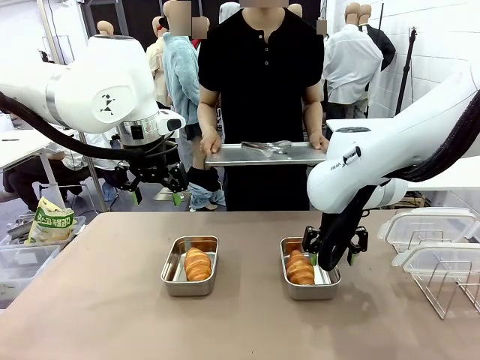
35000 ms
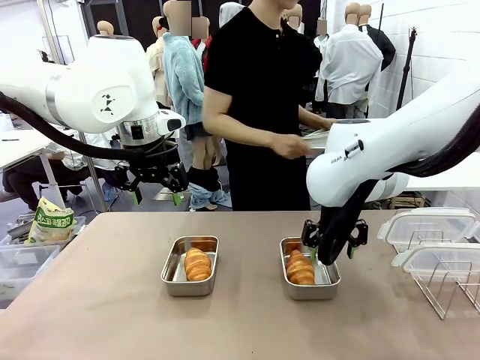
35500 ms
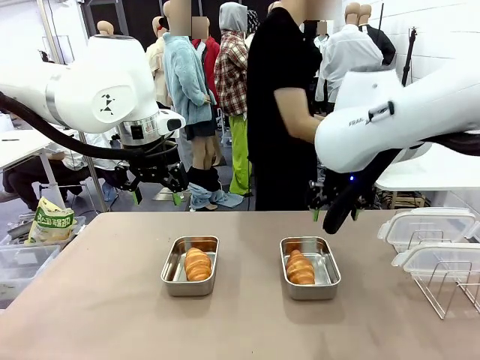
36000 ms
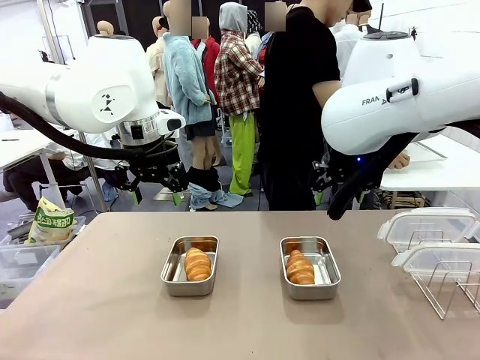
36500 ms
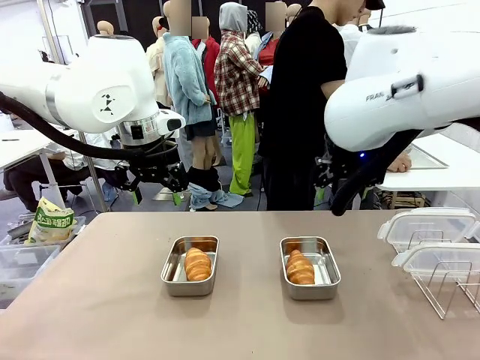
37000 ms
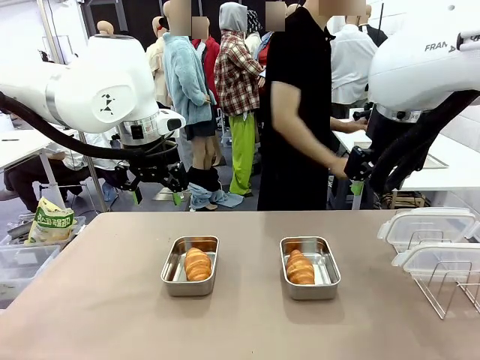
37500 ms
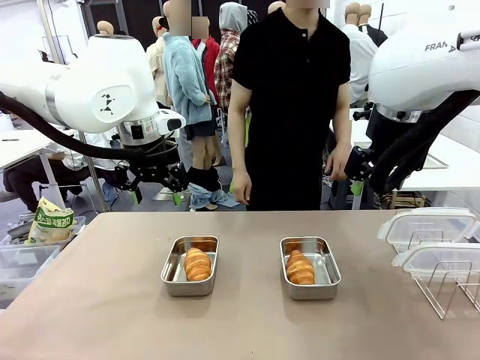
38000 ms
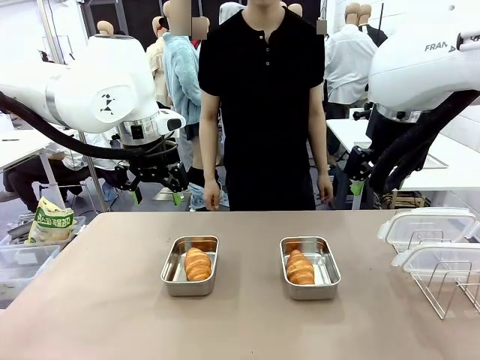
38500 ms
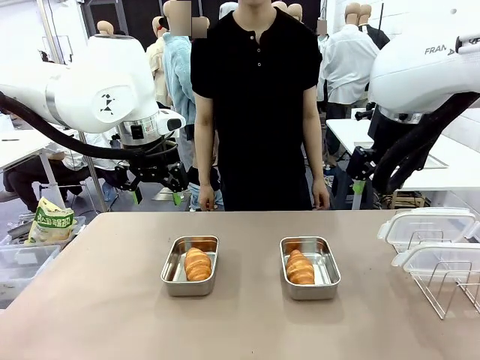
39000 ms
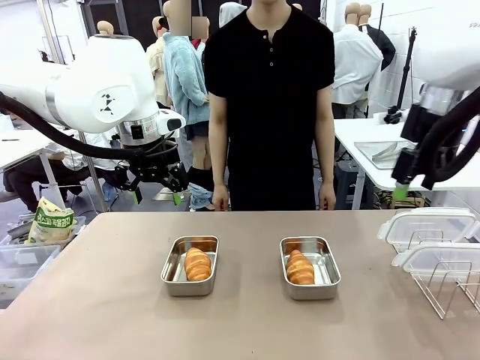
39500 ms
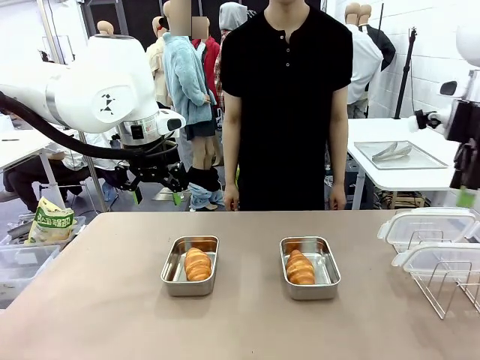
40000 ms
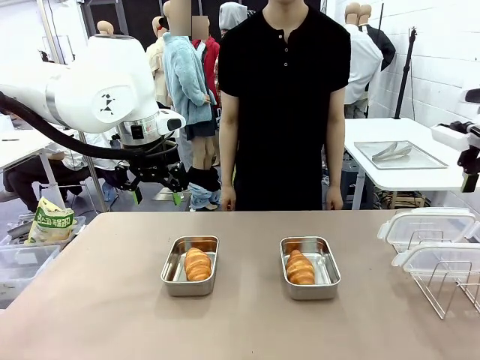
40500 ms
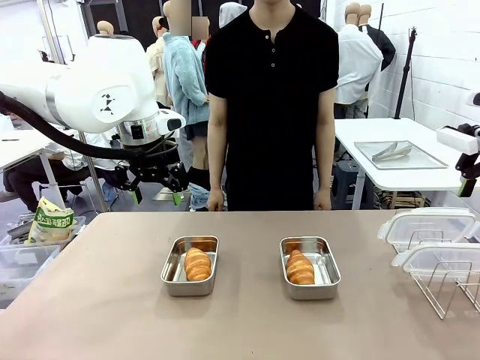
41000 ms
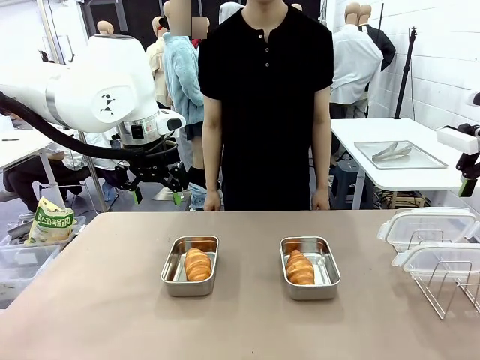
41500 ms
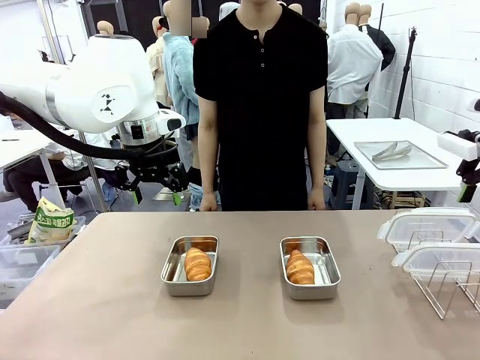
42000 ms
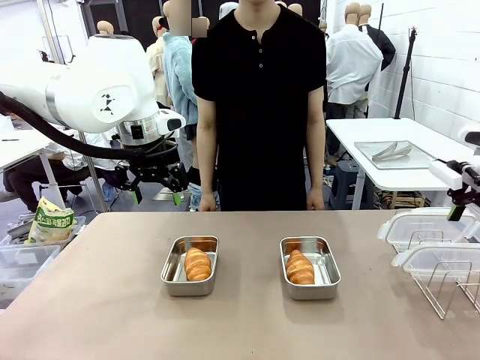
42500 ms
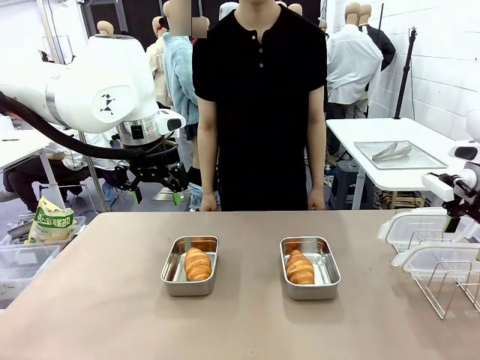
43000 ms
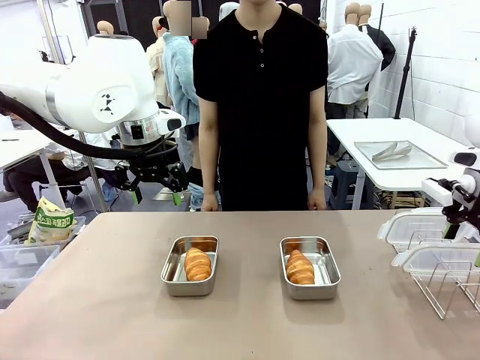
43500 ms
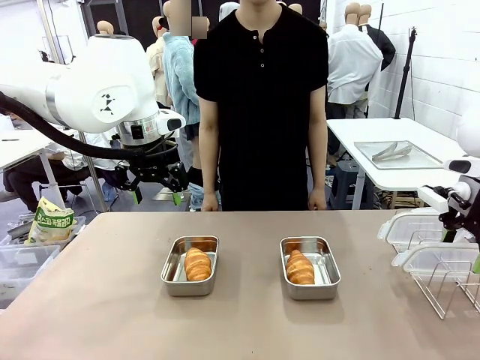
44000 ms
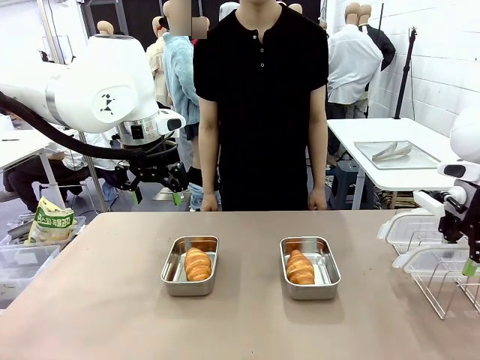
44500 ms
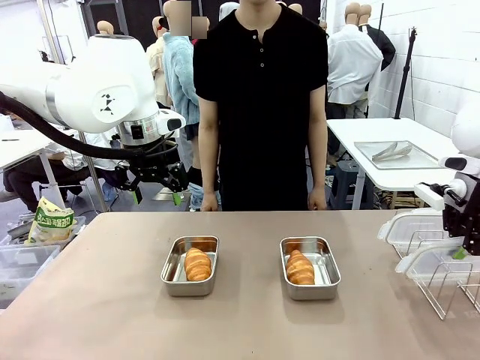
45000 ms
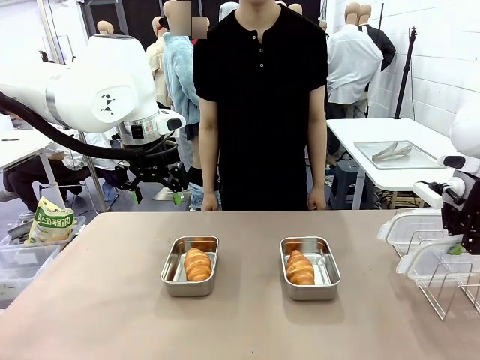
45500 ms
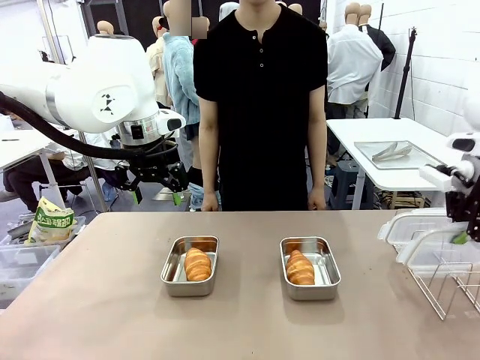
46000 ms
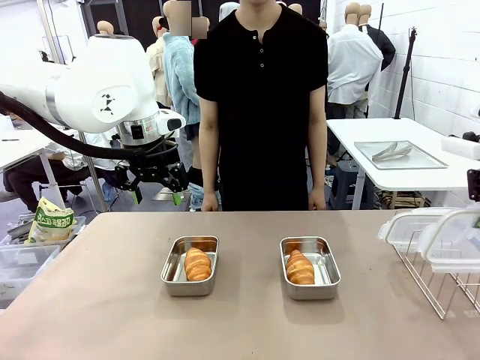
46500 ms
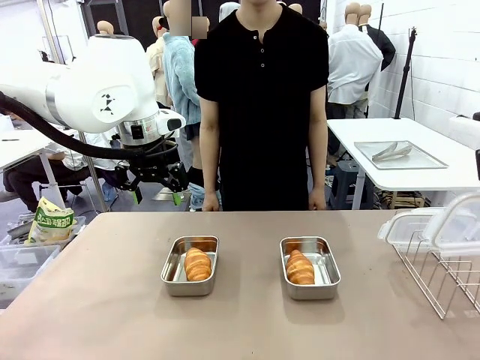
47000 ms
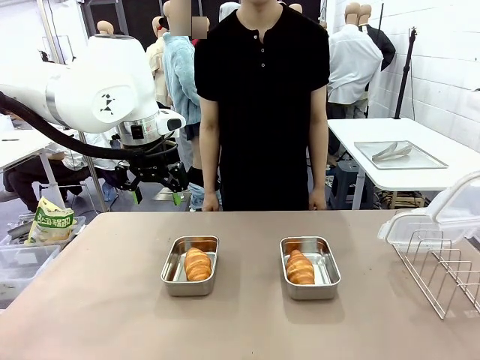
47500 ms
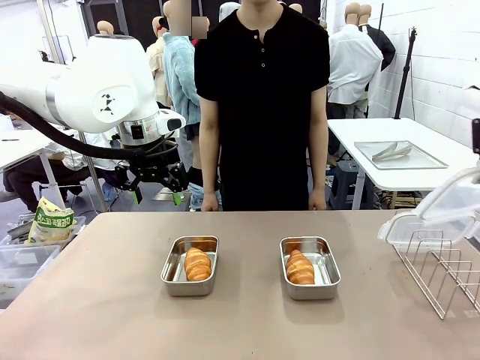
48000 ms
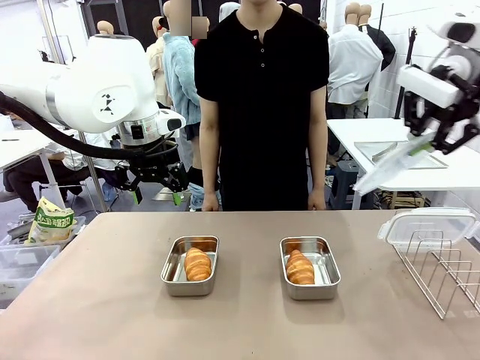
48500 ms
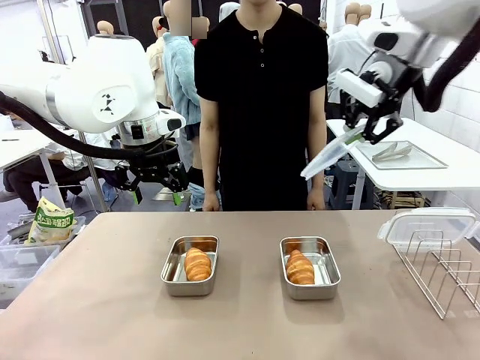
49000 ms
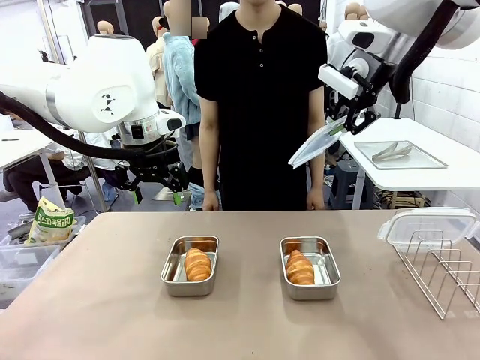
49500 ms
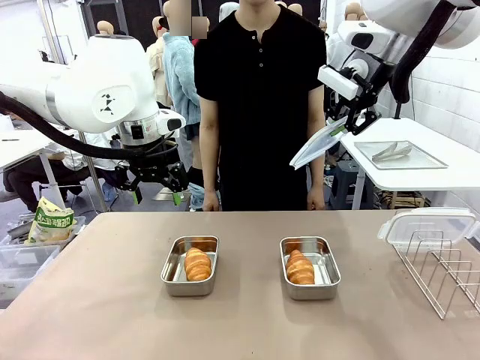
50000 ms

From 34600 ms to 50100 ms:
Task: Place the bread in airtight containers.
Robot: Pick up one Airtight Container lid and hand it to the human.
Person: Grip Airtight Container lid that robot is handing.

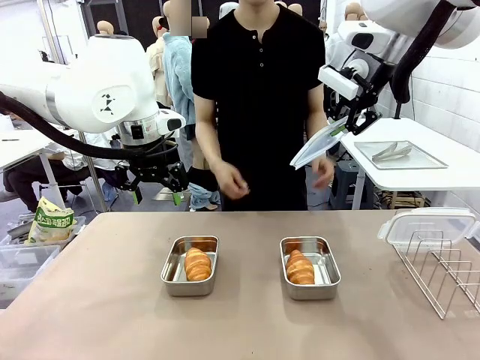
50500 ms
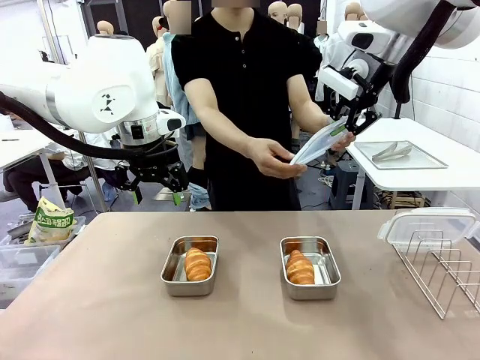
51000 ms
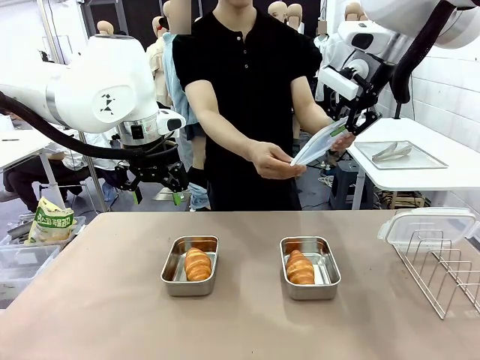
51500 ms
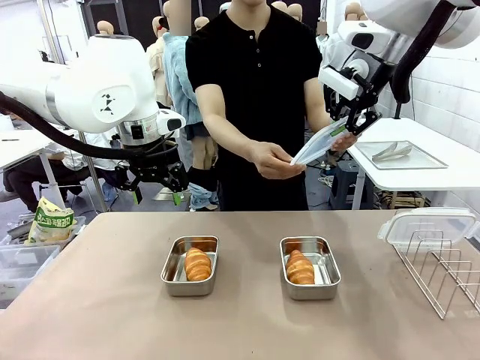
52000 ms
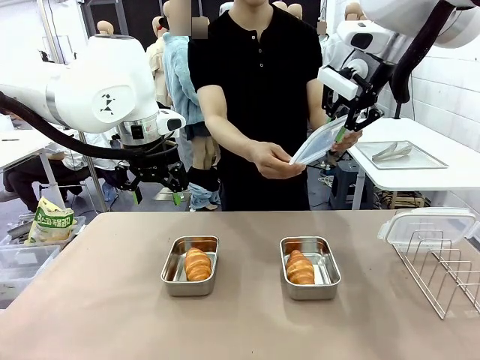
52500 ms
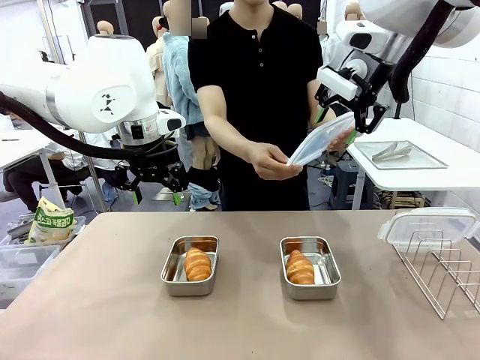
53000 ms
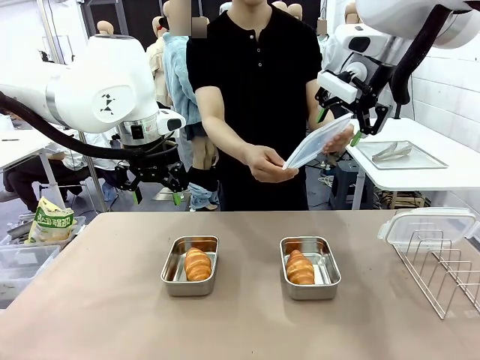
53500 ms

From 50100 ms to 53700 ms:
Robot: Release when the human grabs the Airtight Container lid.

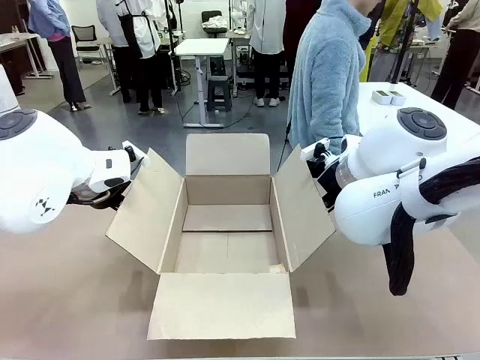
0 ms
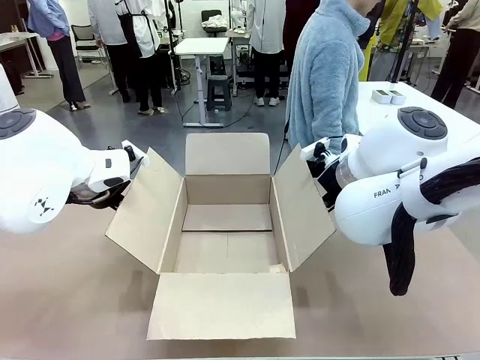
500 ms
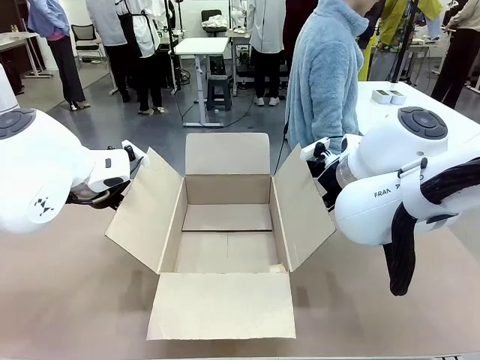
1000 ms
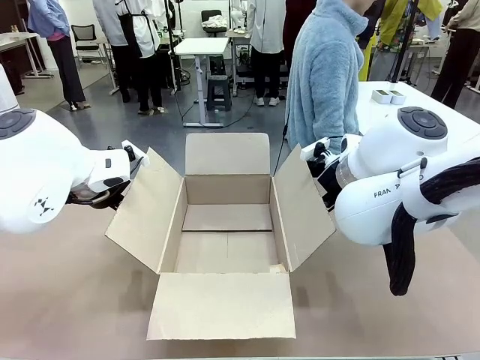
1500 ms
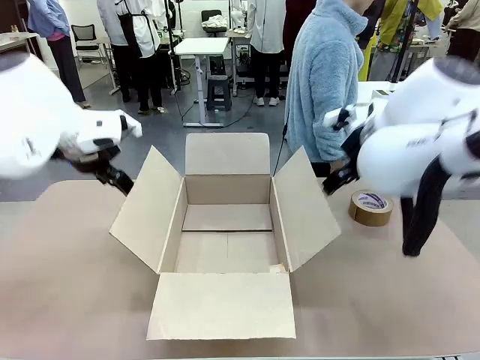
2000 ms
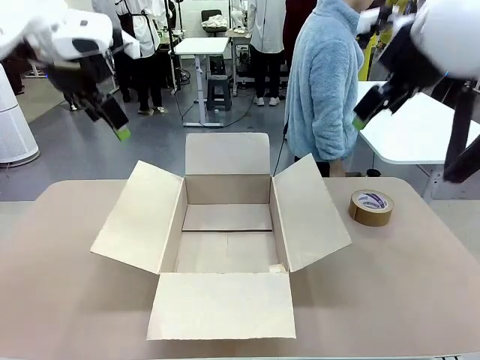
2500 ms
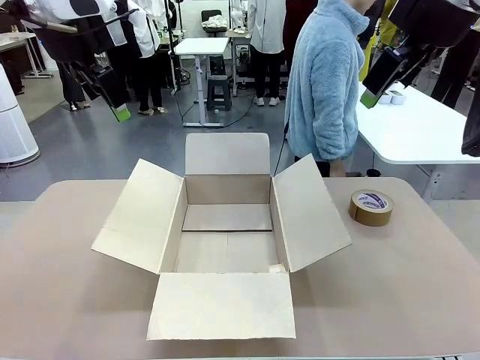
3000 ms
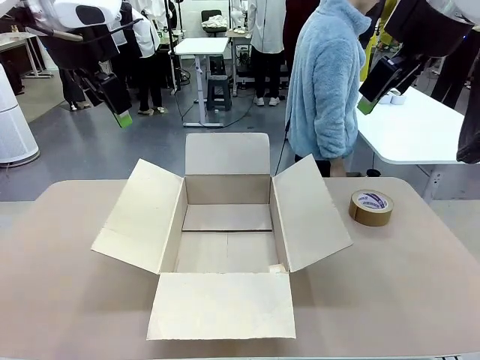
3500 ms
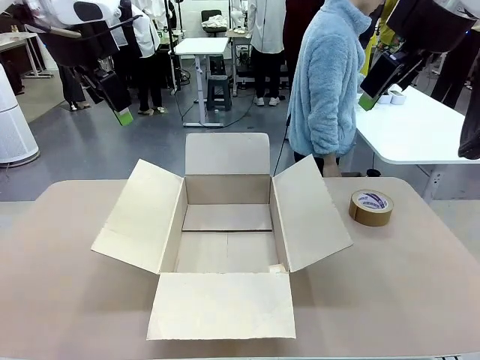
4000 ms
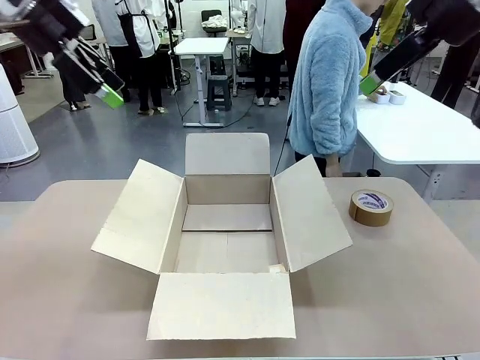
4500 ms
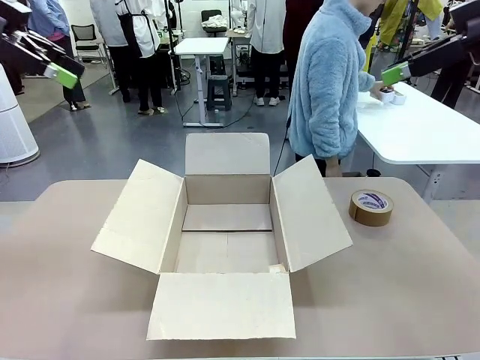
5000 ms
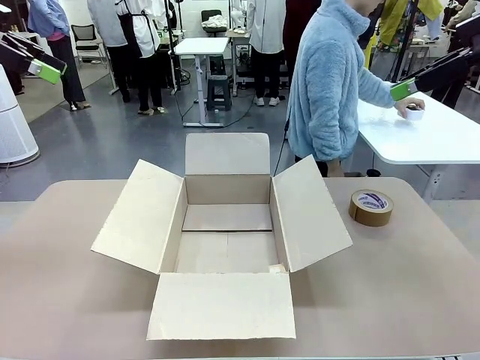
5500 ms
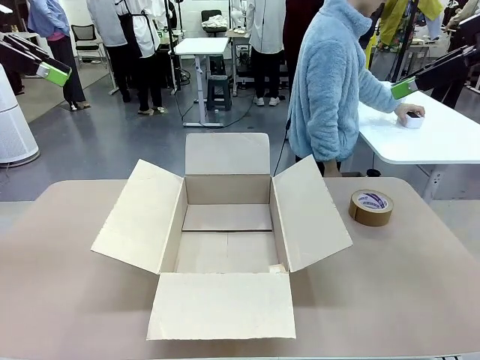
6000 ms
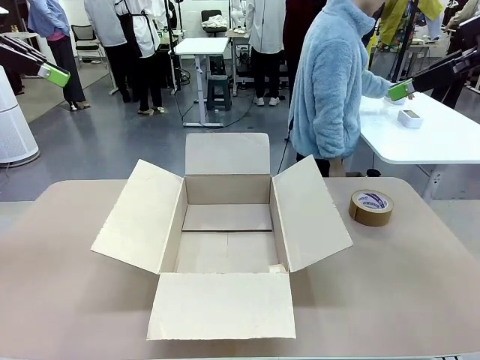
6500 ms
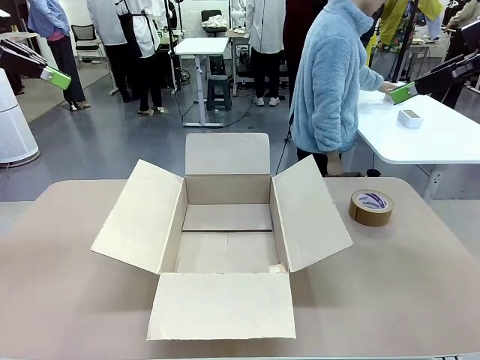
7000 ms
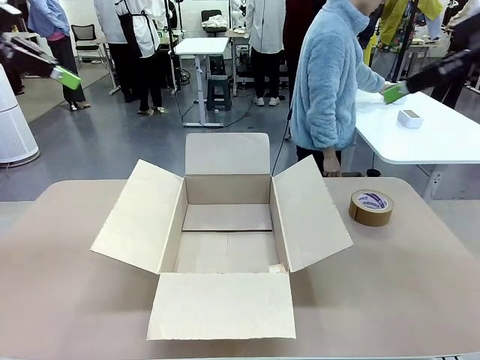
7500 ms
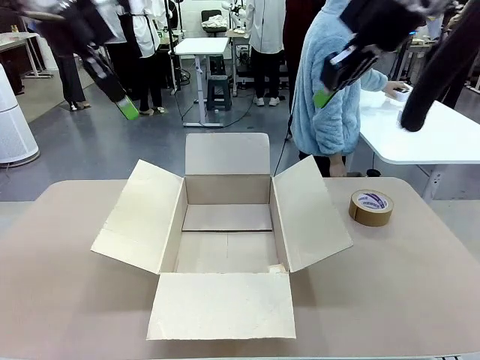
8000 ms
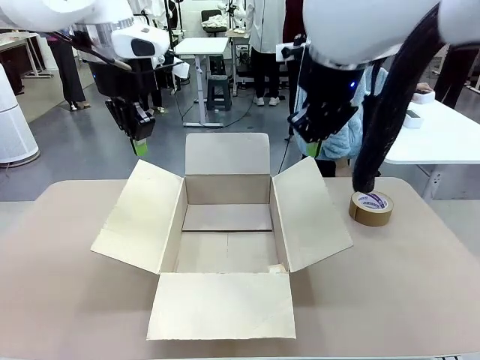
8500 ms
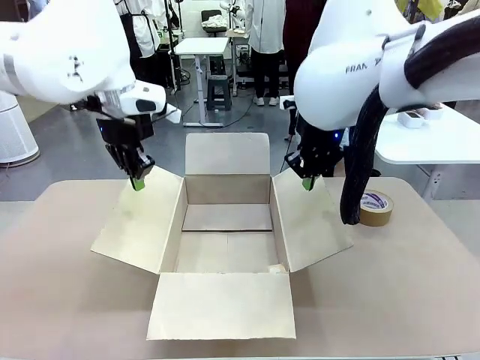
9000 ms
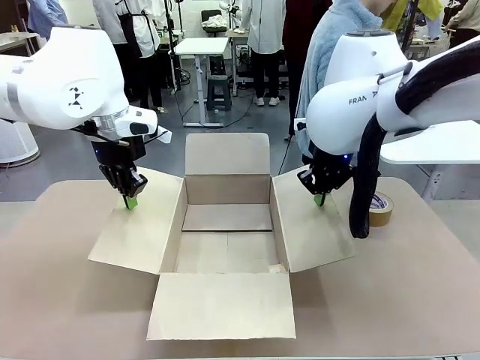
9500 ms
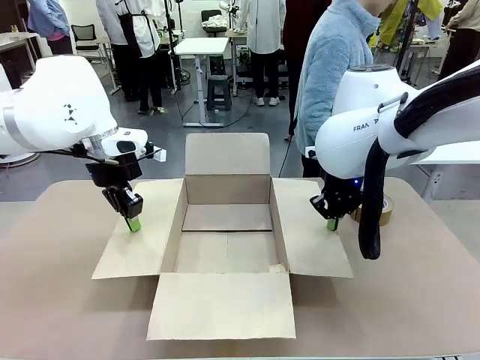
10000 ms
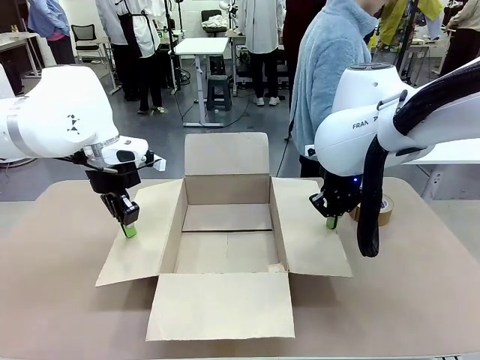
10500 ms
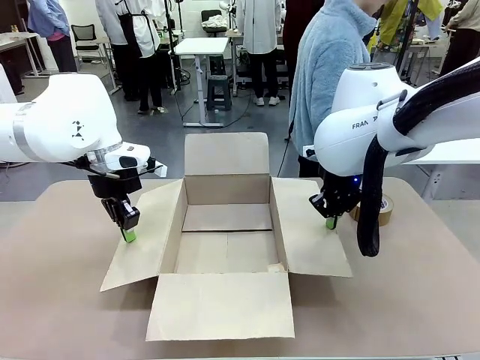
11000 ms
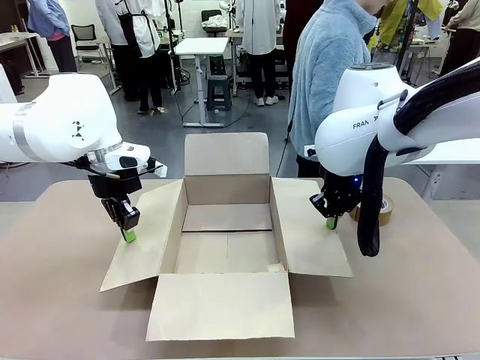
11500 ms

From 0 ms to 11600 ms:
Task: Wrap the clocks to prevent damage.
Robot: Open the side flaps of the Package Box.
